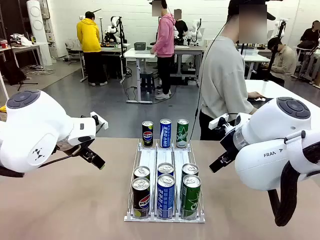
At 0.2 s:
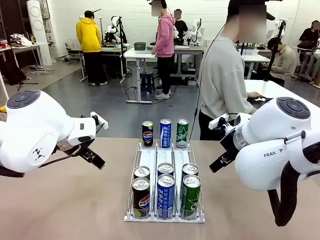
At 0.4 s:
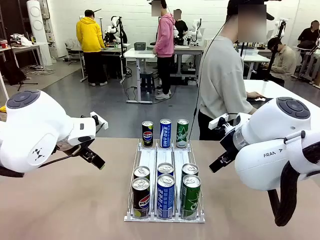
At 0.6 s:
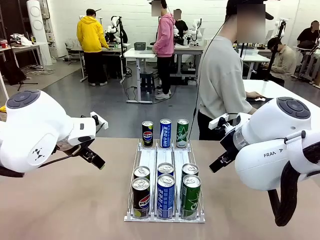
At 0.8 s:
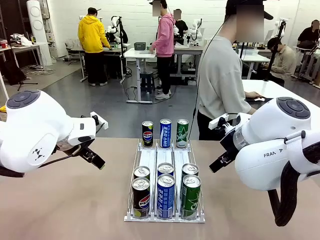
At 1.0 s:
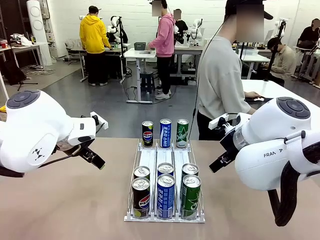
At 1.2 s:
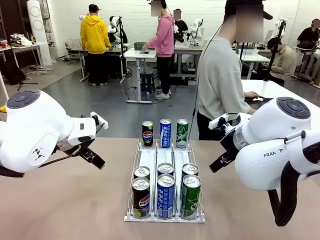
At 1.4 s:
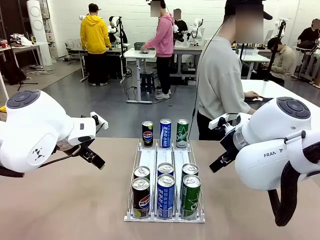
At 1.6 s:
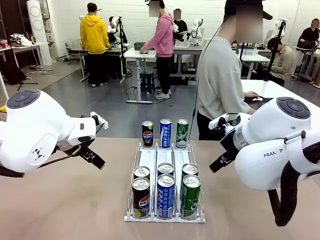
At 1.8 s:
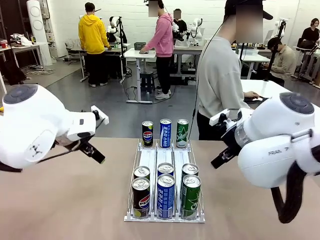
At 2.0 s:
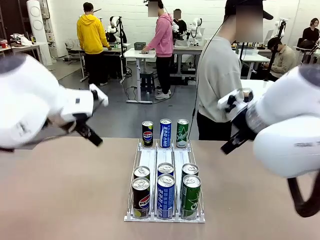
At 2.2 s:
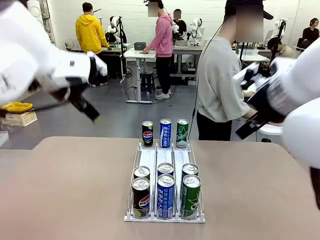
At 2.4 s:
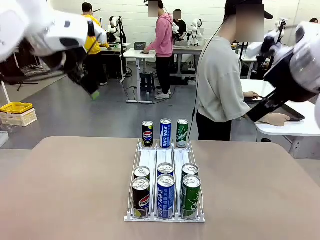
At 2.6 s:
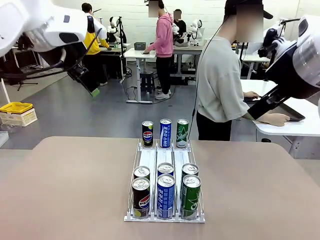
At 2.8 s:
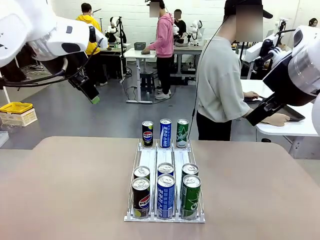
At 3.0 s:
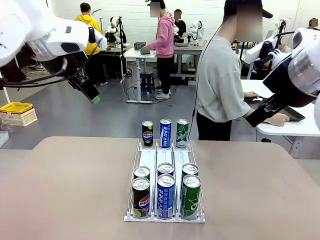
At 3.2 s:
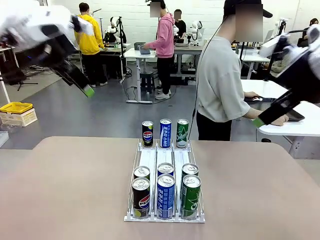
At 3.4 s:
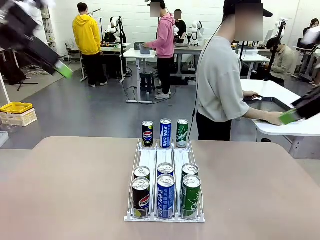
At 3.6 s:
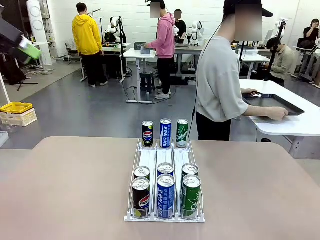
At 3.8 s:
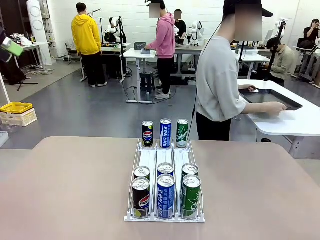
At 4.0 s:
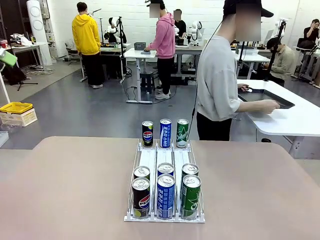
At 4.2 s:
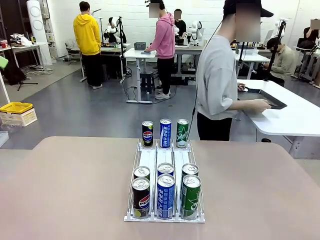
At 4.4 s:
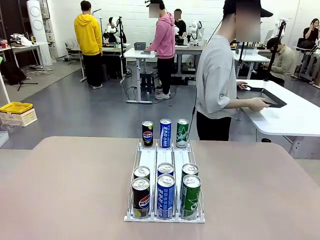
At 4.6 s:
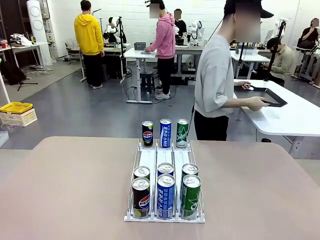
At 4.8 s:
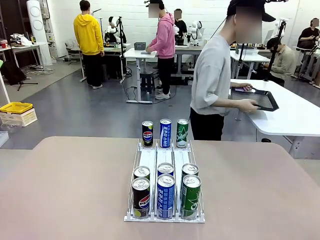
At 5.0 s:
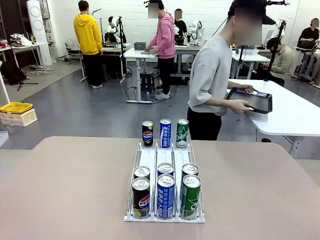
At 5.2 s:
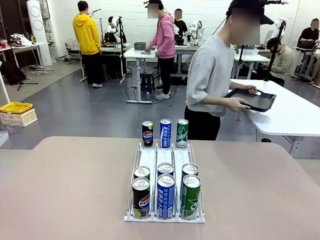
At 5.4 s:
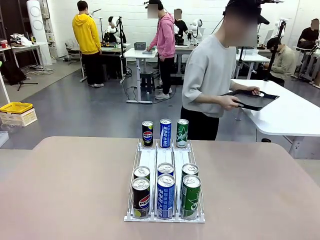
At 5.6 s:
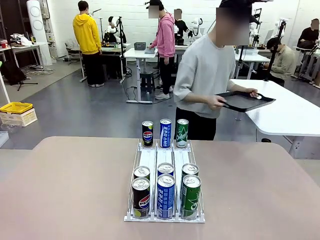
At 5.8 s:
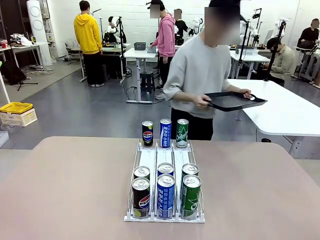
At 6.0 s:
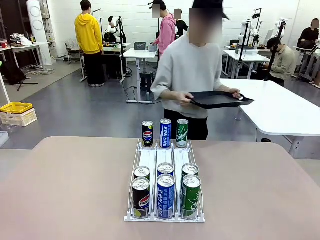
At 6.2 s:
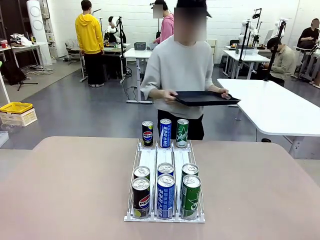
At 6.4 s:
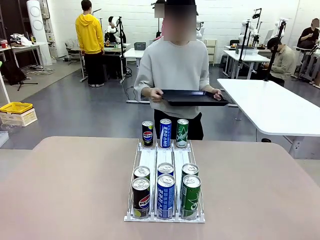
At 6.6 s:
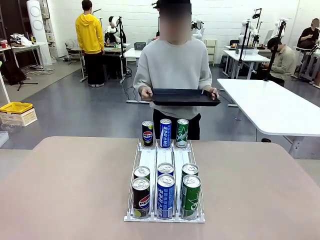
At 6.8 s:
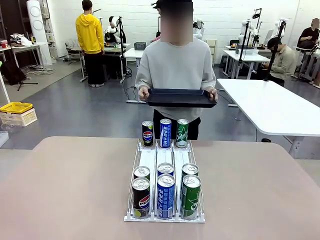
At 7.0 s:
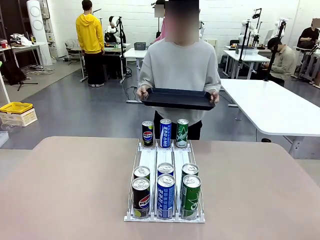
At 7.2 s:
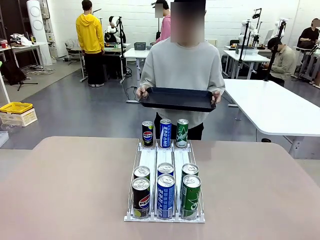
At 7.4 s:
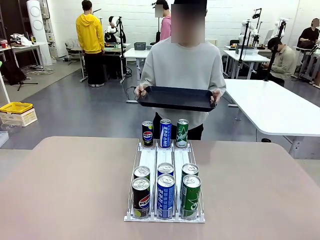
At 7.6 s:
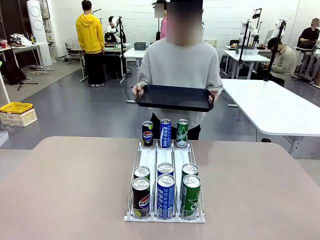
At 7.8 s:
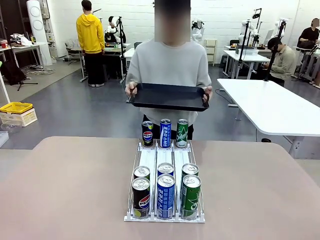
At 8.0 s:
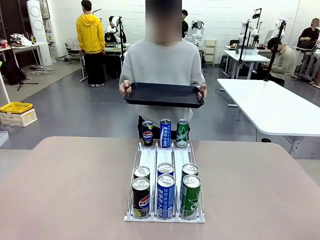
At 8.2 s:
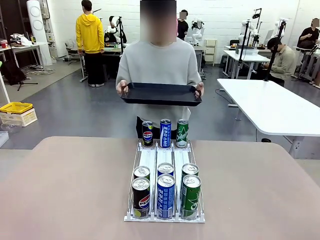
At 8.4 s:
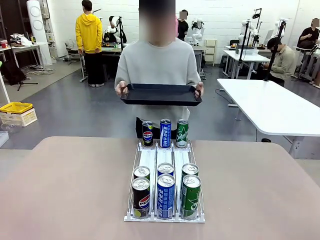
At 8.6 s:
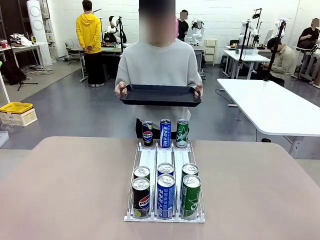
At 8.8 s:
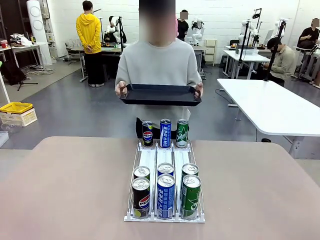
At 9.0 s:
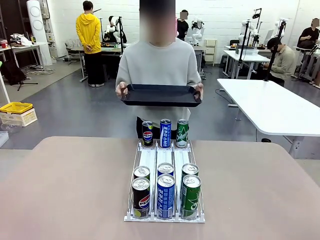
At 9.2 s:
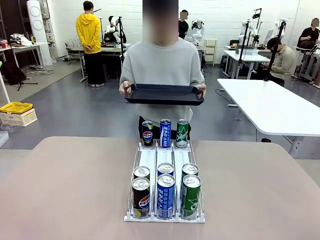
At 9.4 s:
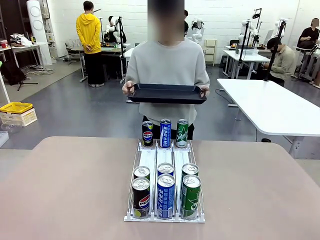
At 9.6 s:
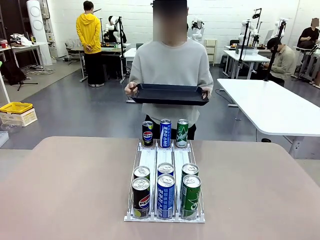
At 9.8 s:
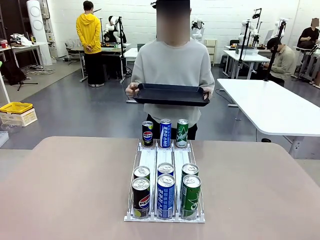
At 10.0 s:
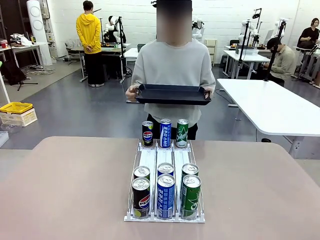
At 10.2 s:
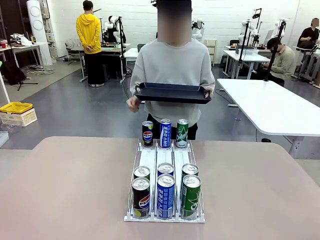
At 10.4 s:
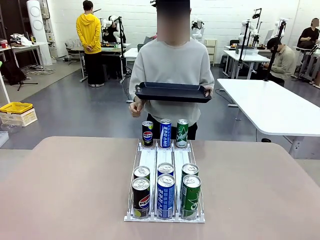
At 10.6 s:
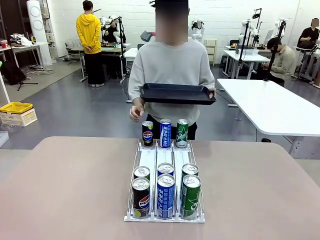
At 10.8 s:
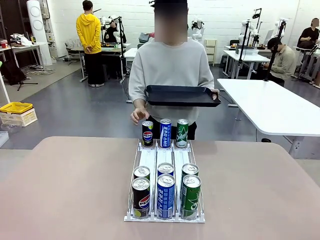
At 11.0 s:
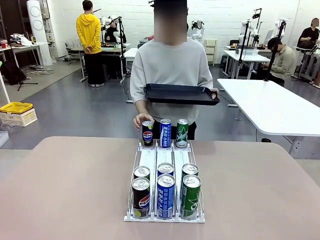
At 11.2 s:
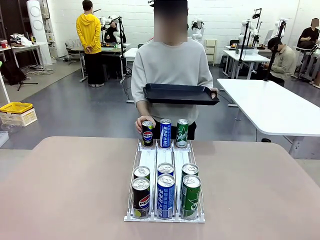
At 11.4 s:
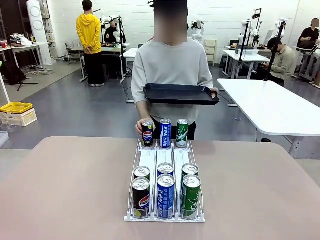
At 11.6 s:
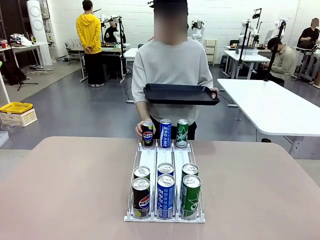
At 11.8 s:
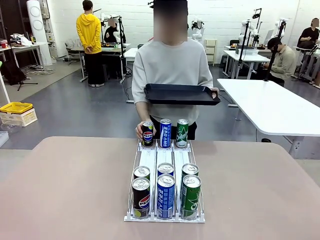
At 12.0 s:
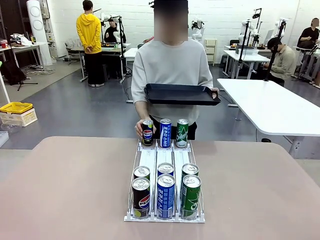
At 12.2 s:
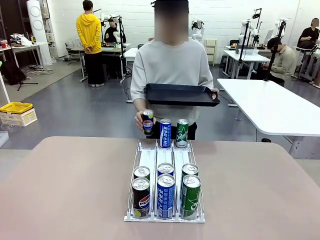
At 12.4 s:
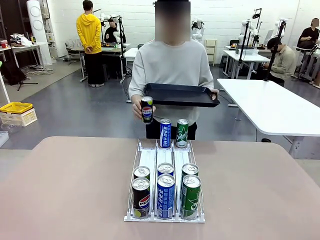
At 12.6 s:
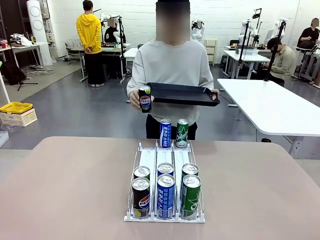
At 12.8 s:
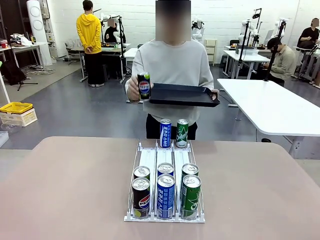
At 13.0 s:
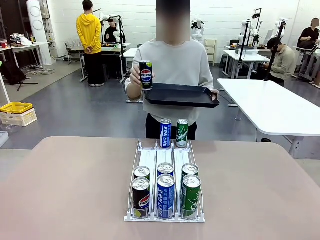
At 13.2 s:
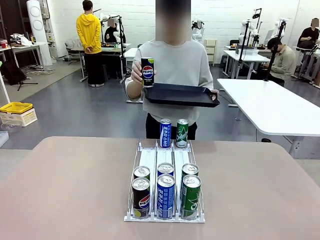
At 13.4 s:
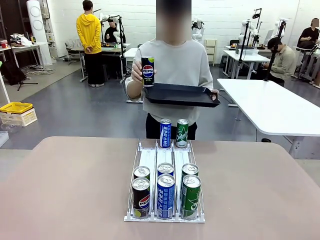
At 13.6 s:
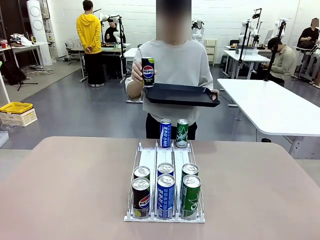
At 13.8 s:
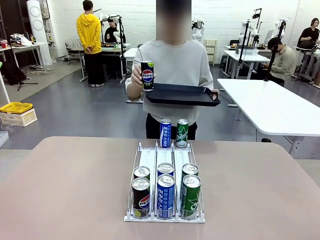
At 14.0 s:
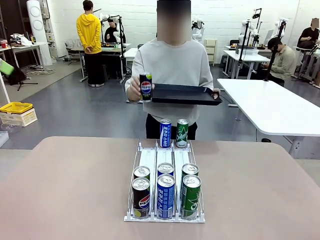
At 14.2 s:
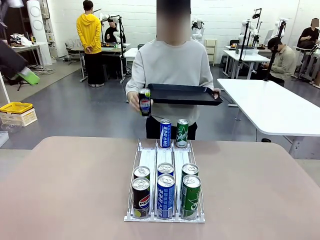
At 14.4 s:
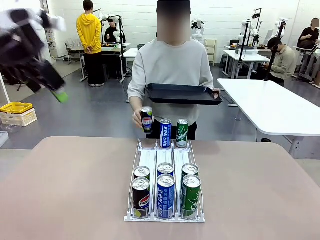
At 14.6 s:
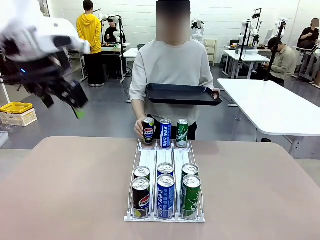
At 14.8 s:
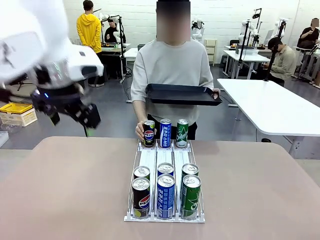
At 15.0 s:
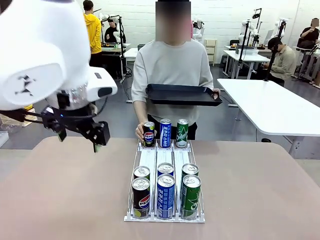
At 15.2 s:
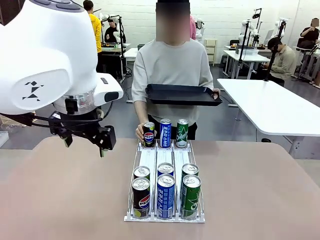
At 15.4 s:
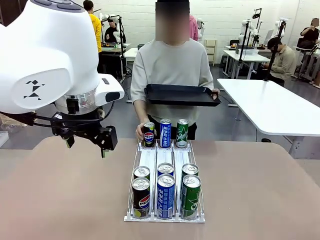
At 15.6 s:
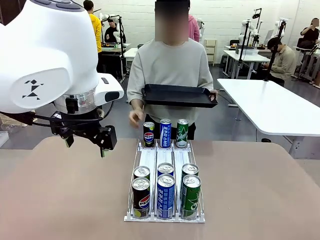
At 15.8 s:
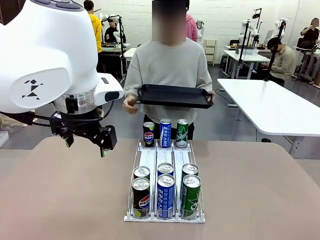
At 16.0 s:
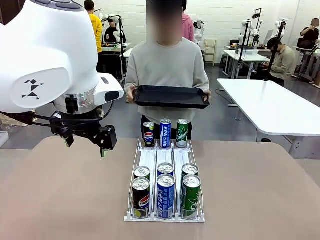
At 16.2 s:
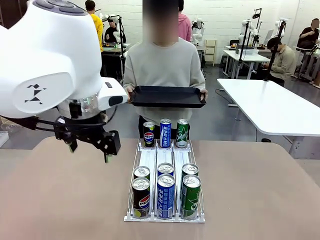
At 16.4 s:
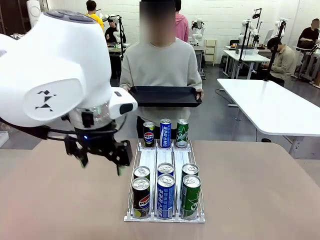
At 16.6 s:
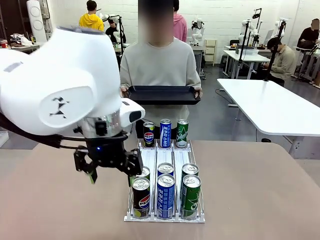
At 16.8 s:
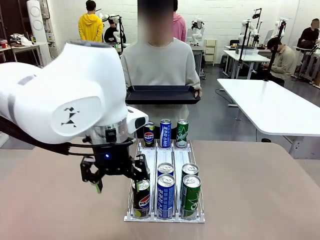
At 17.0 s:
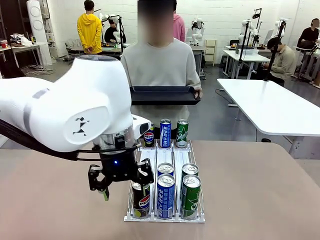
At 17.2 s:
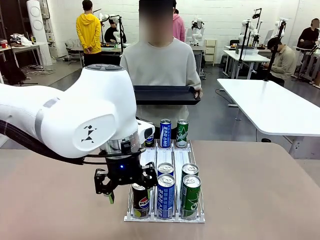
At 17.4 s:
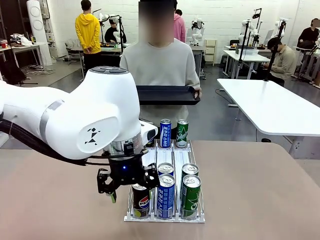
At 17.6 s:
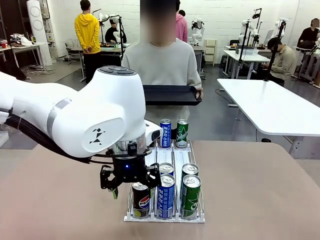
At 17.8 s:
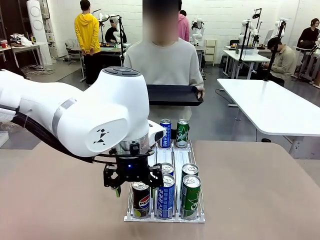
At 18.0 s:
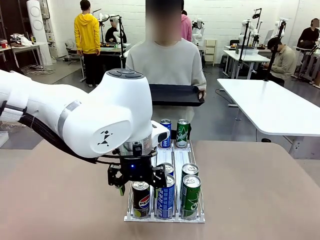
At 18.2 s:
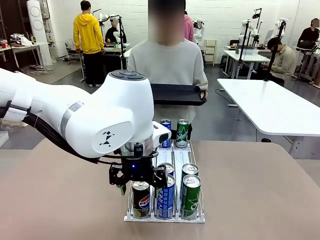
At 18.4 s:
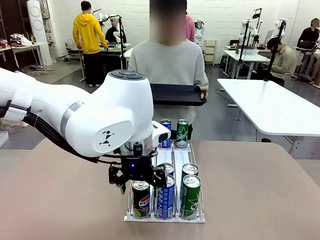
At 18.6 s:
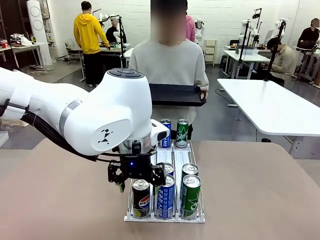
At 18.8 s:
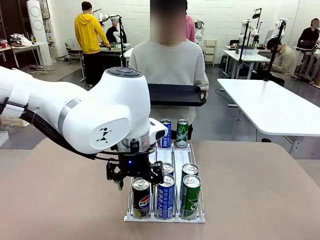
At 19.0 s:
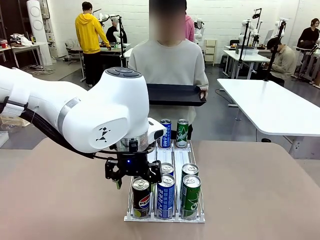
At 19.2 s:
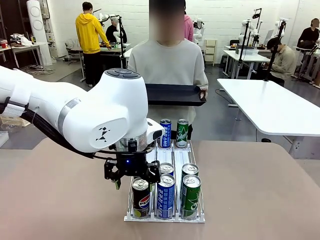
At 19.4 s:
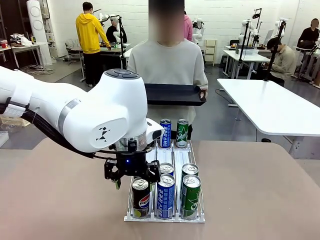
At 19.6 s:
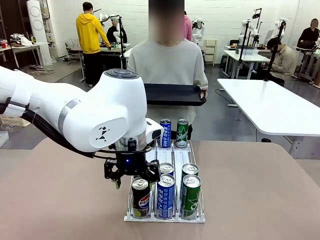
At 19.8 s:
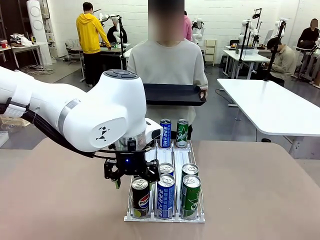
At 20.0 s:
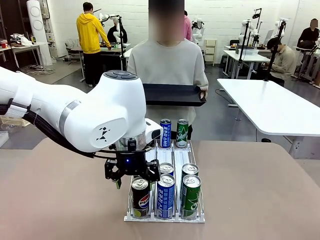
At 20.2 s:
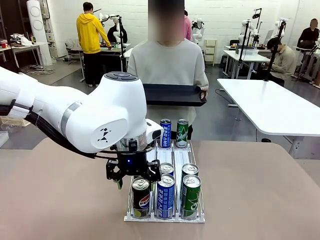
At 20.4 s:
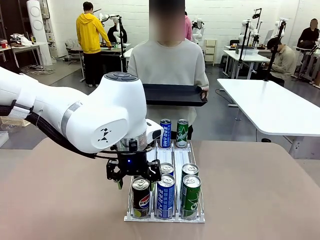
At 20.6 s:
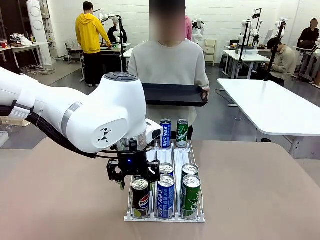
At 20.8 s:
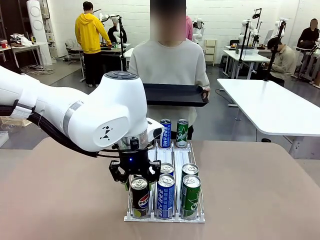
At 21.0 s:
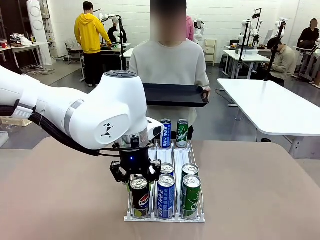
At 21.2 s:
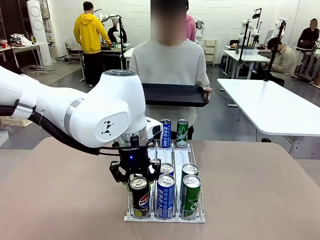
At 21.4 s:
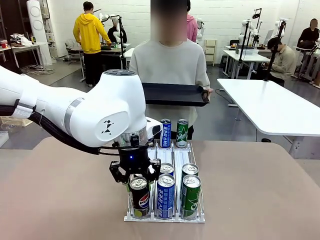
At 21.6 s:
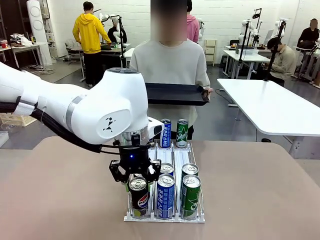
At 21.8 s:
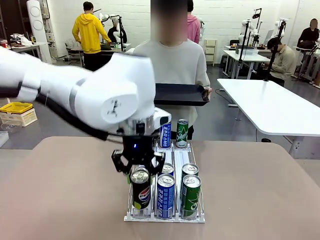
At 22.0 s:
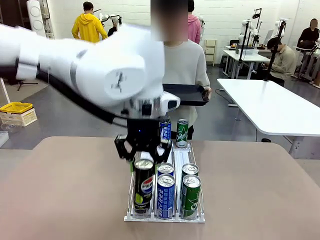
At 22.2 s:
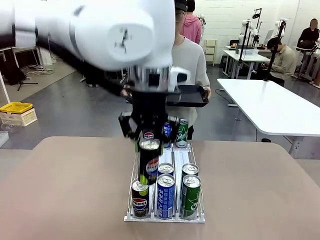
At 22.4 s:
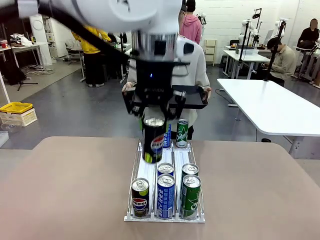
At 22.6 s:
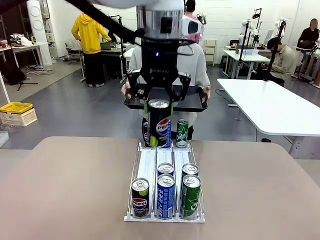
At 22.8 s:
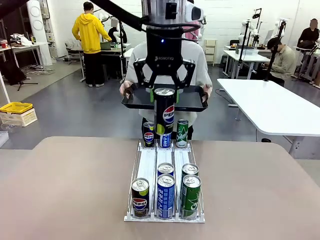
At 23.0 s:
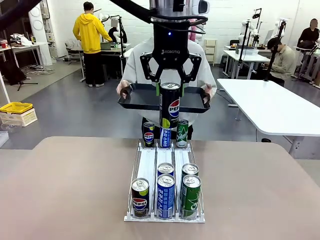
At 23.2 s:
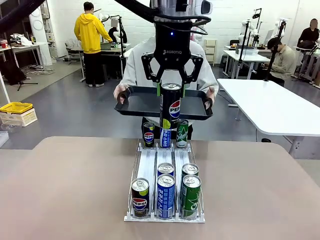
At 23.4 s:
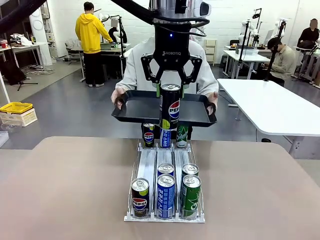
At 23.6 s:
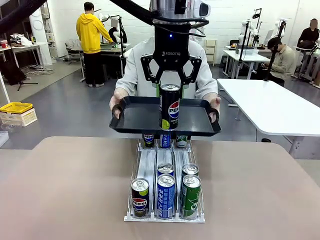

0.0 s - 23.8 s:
Task: Retrieve and hand over the desired beverage to the person.
Robot: Pick up a can of the same type that the person held from the Automatic Can Dispenser.
Person: Hold the tray and position yourself in front of the robot table. Pick up one can from the bottom area of the table and puts it back in its original place. Push the tray toward the robot.
